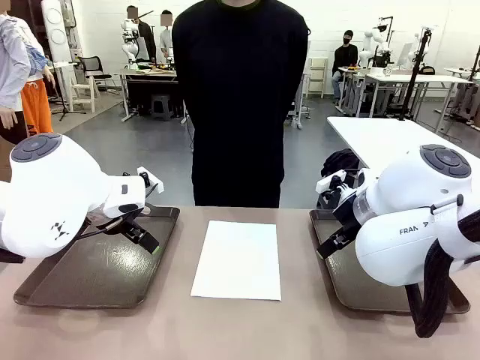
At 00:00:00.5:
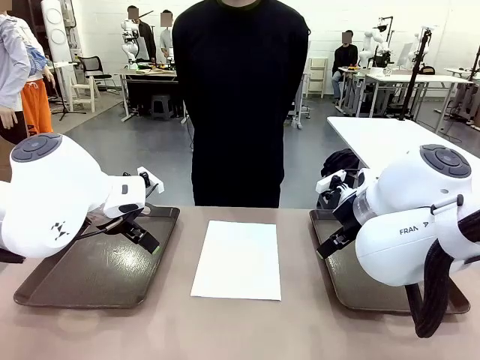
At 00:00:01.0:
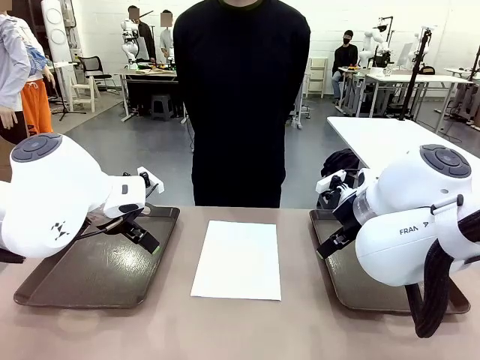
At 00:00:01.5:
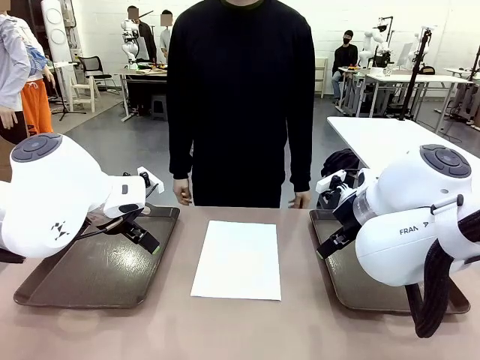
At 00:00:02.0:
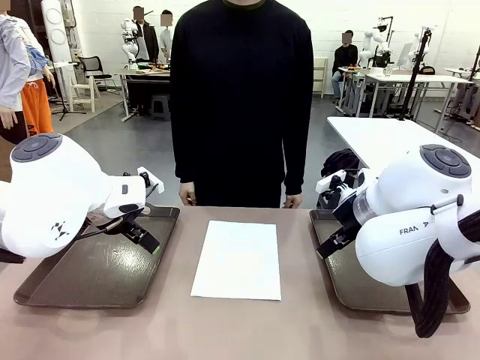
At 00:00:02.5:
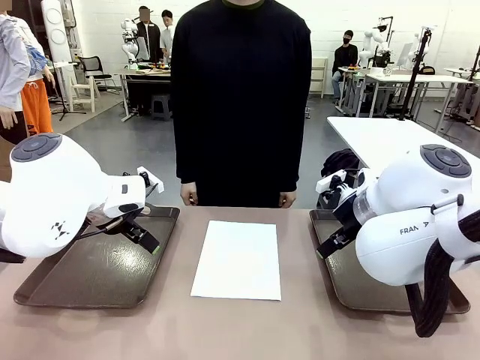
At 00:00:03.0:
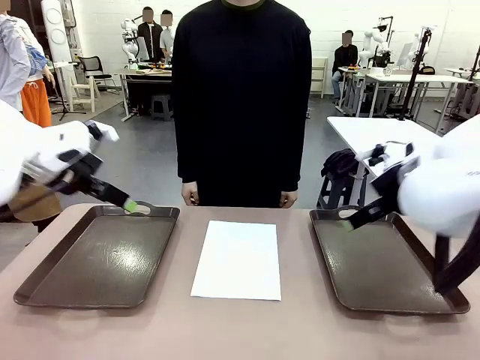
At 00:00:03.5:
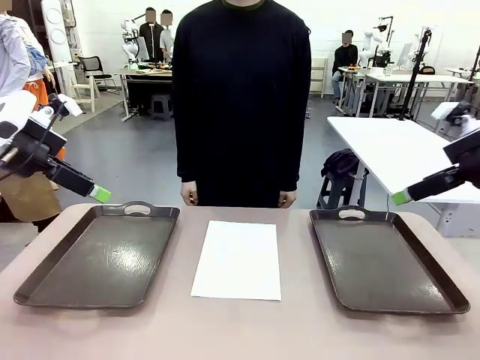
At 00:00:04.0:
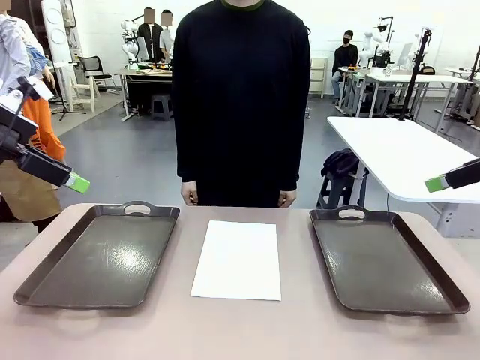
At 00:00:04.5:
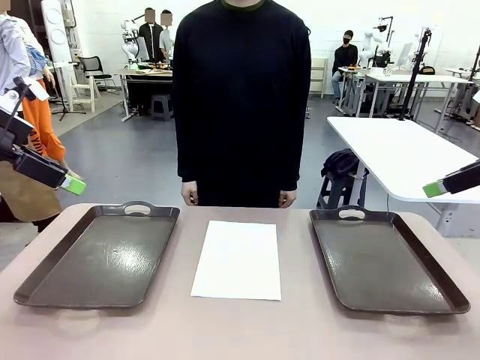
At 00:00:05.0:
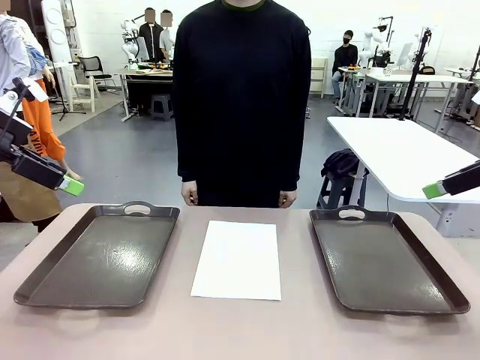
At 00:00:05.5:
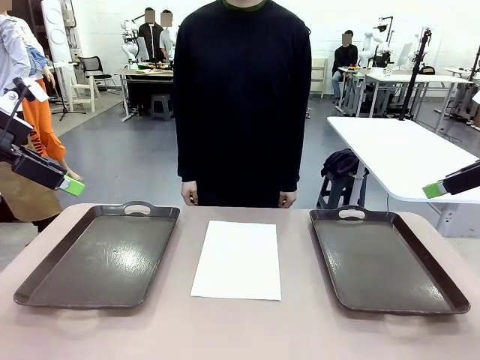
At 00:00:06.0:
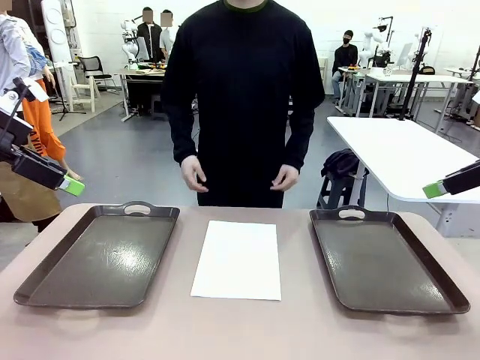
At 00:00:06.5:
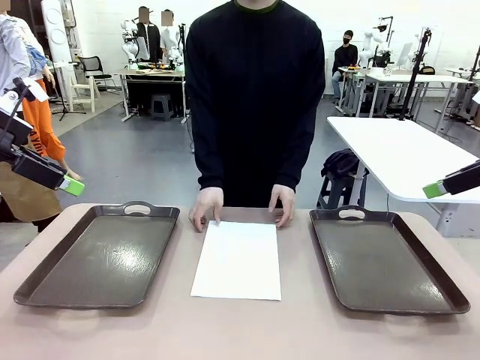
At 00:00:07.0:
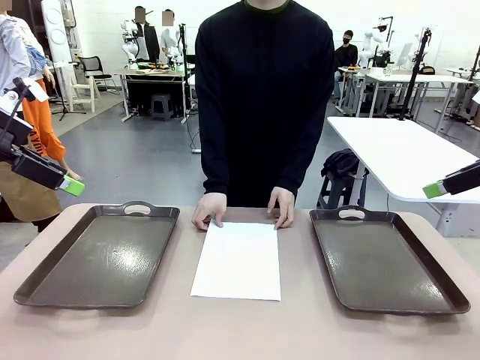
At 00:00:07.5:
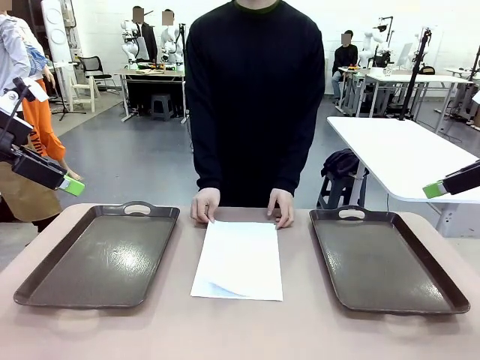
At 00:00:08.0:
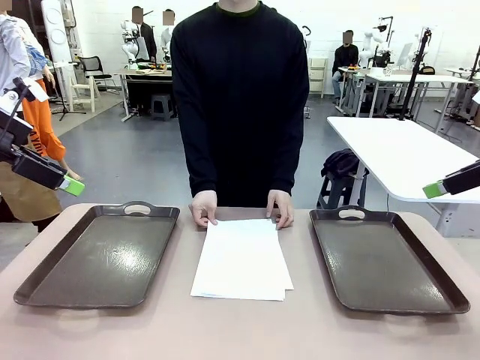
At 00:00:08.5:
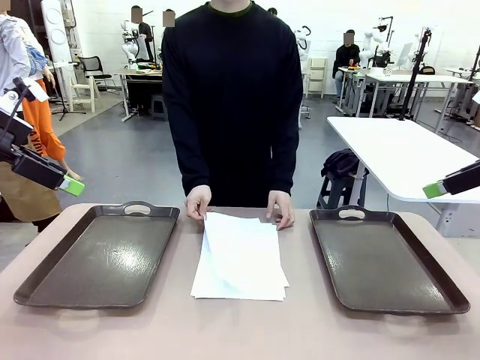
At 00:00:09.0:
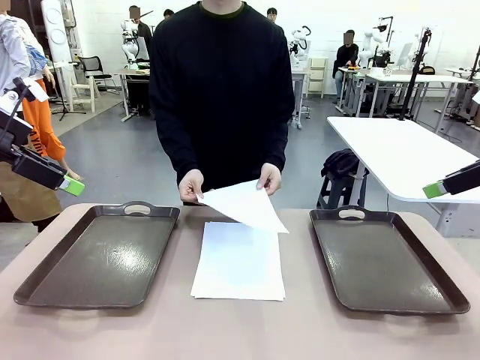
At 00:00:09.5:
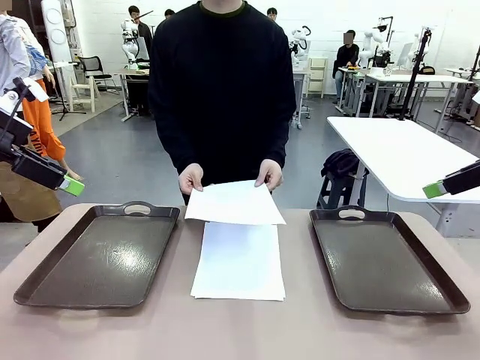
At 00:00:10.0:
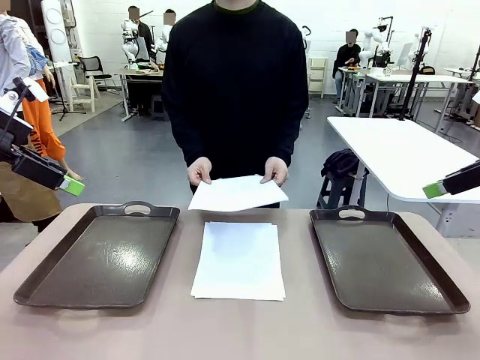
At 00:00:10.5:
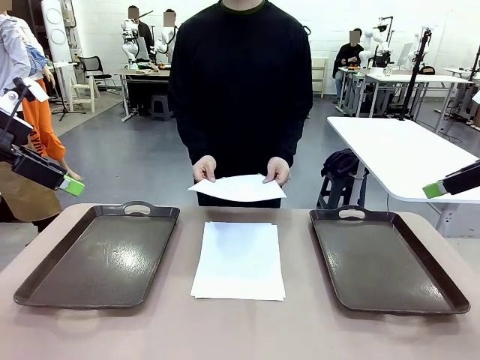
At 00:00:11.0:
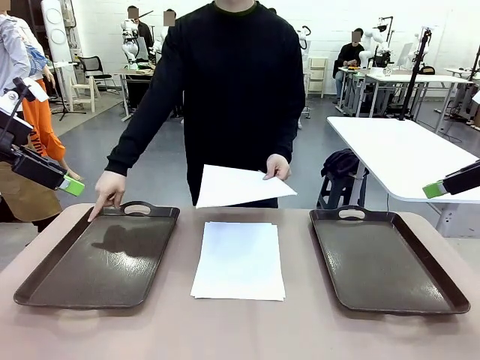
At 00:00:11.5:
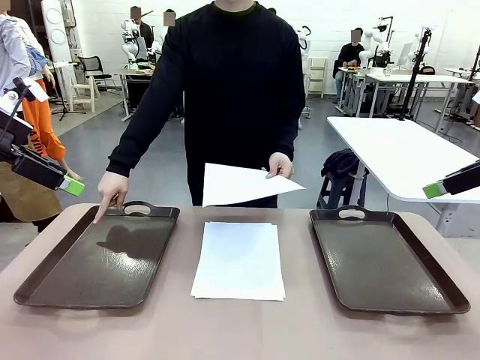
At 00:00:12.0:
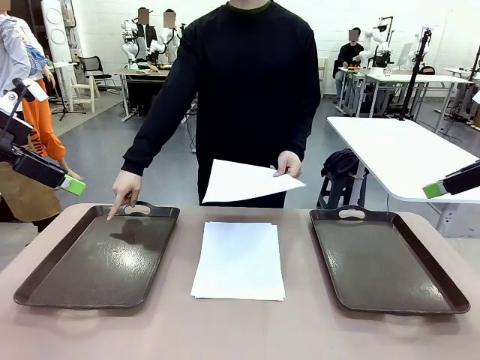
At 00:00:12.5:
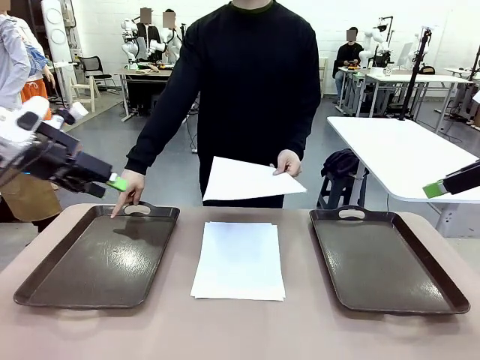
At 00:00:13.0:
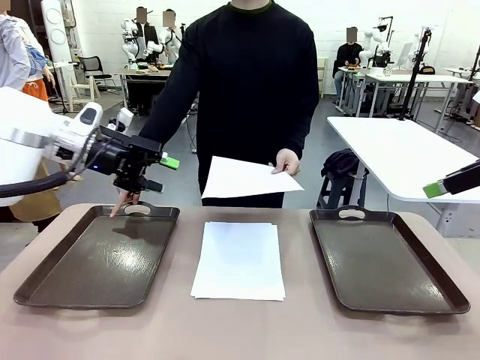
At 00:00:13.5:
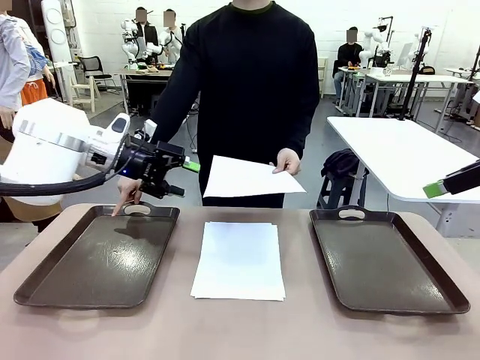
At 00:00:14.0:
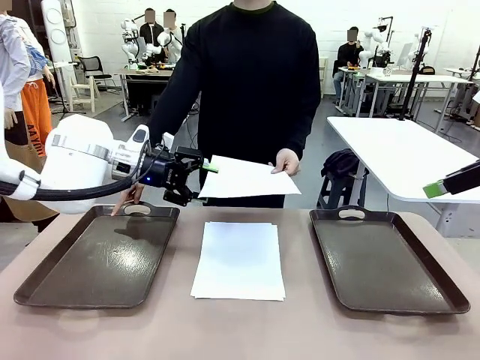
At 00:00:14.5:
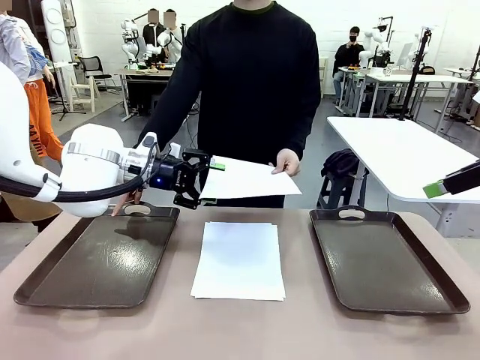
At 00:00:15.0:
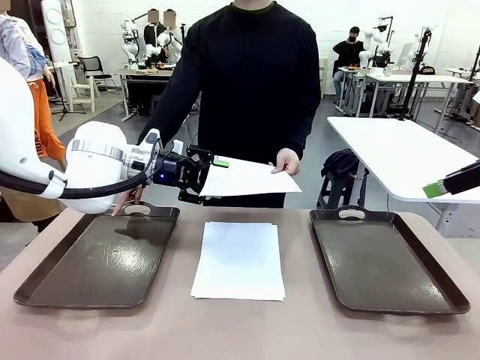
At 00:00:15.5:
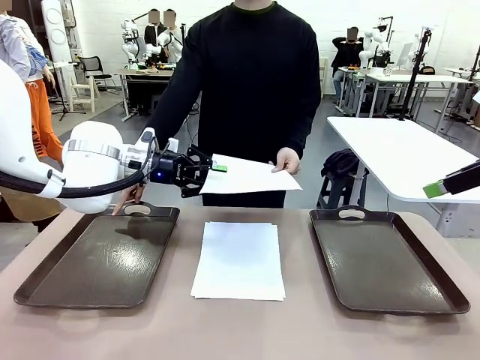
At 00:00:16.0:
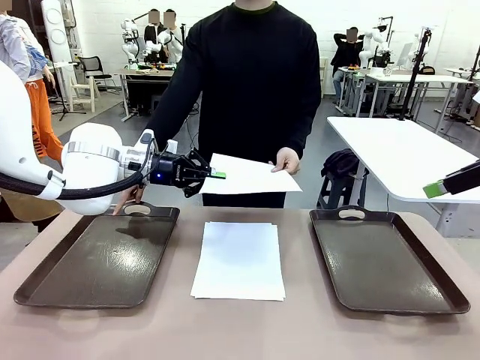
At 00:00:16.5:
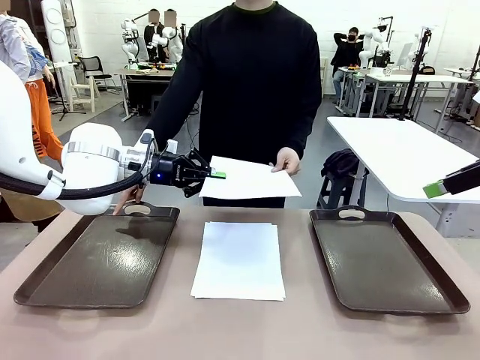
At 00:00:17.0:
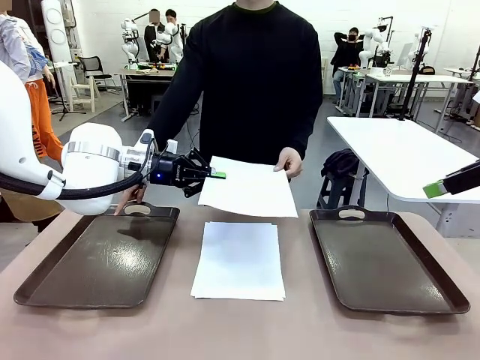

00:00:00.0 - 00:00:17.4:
Task: Sort the A4 documents.
Robot: Receive the A4 Paper.
Person: Pick up a sheet of paper from the center of the table and hand it to the robot. Point the randomly selected tray with the other hand.

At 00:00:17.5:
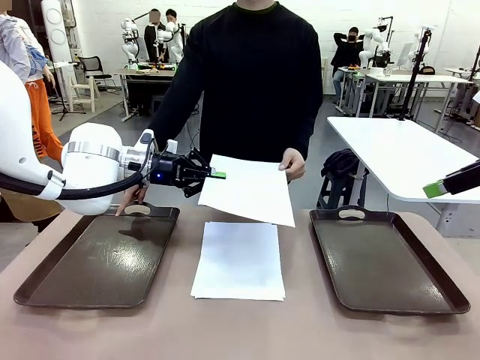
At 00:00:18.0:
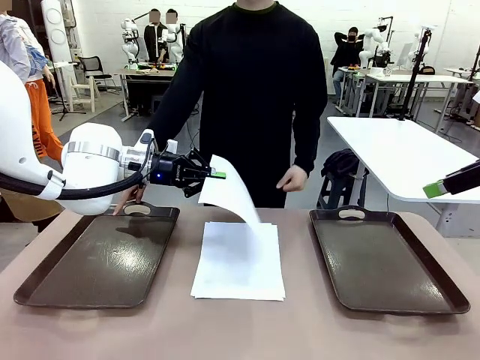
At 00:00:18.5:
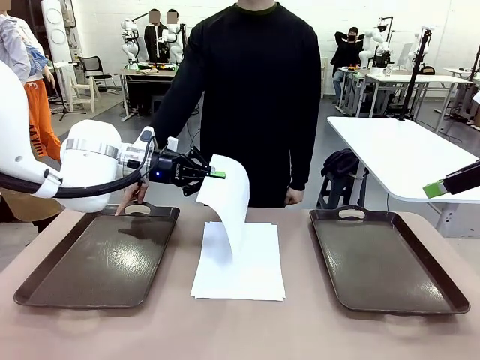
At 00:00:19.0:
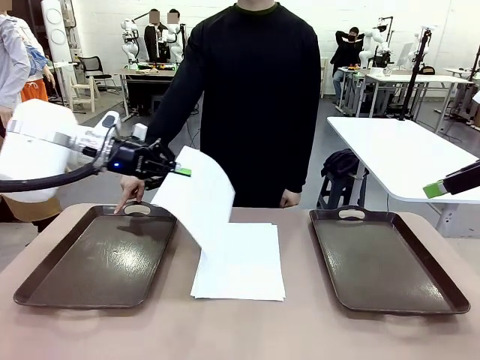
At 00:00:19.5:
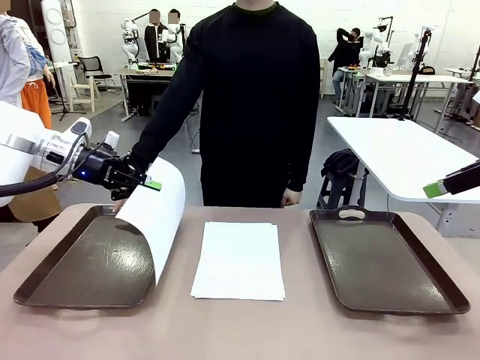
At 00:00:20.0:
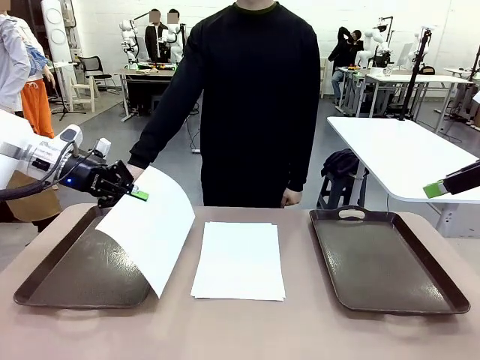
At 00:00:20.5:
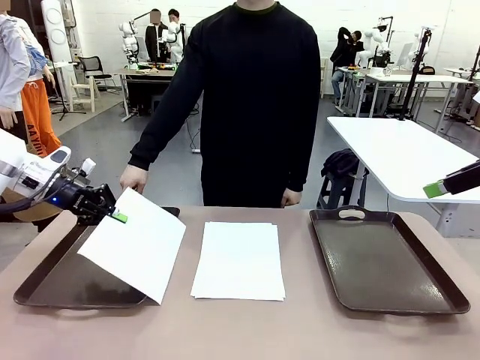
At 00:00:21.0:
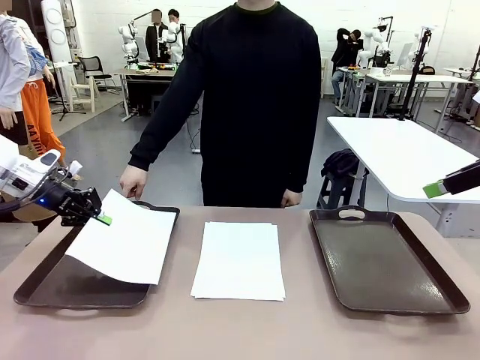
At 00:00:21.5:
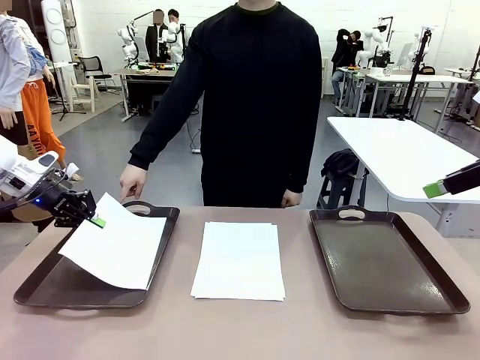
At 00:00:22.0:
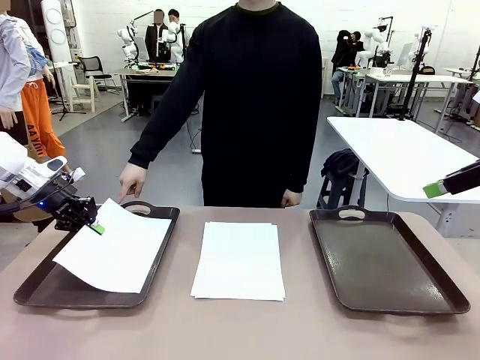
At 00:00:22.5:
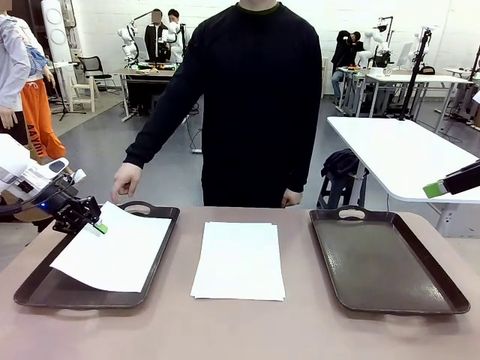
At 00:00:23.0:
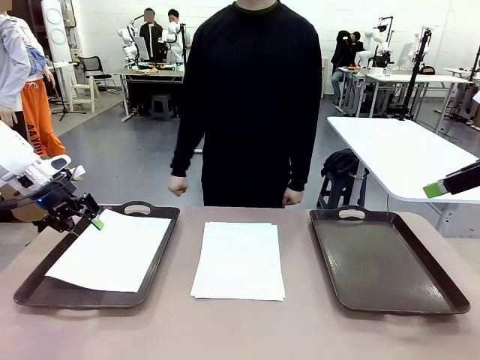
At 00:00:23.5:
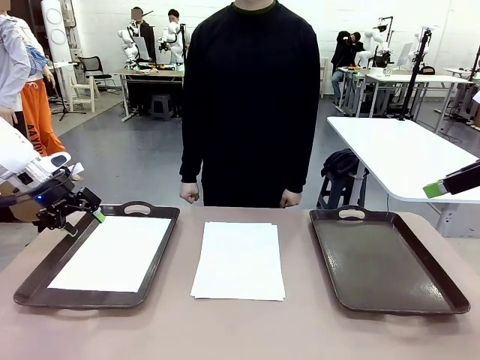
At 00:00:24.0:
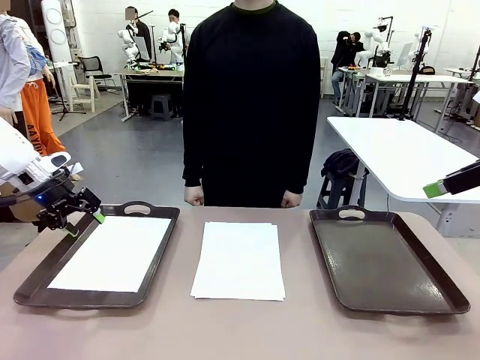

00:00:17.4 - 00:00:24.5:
Robot: Place the A4 Paper in the designated Handle tray.
